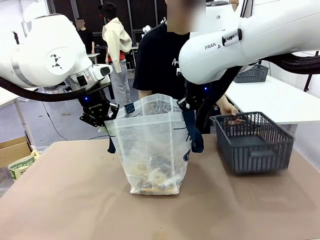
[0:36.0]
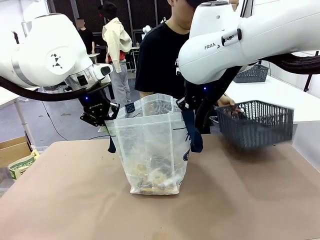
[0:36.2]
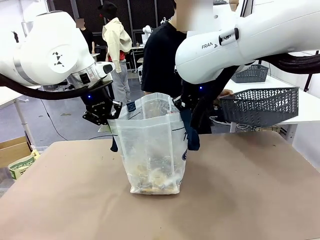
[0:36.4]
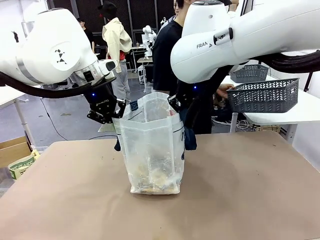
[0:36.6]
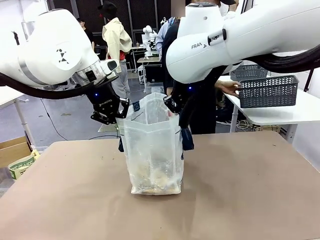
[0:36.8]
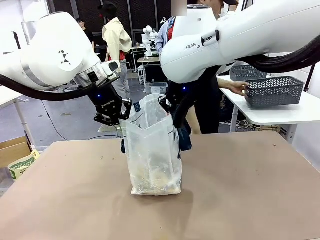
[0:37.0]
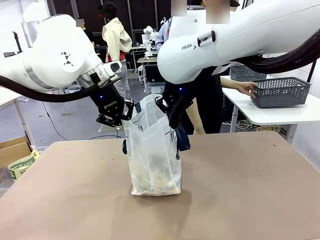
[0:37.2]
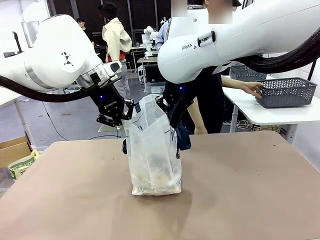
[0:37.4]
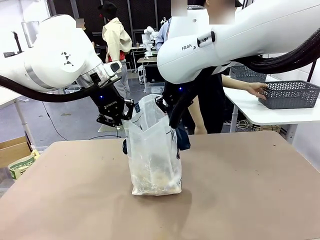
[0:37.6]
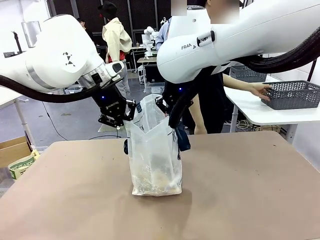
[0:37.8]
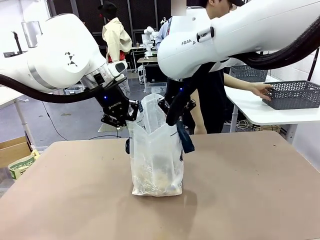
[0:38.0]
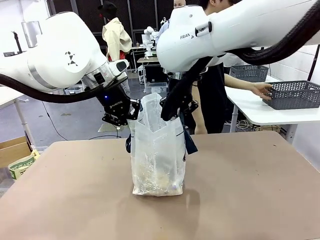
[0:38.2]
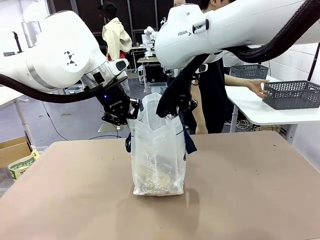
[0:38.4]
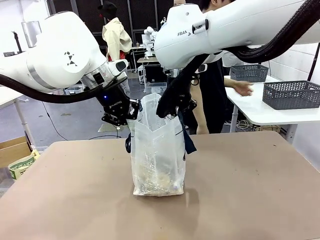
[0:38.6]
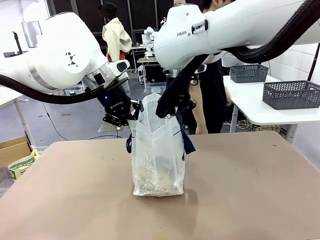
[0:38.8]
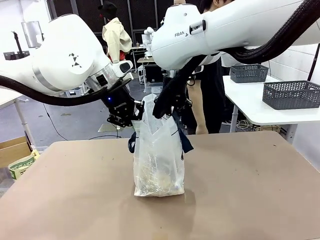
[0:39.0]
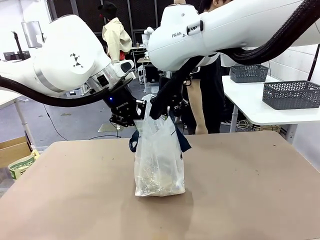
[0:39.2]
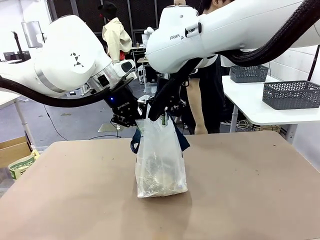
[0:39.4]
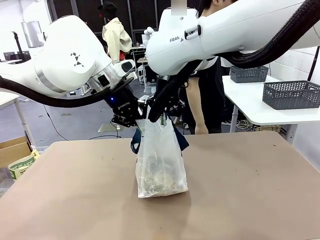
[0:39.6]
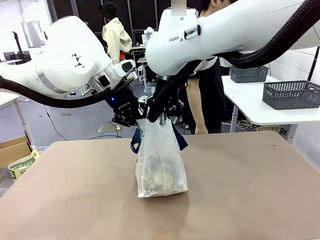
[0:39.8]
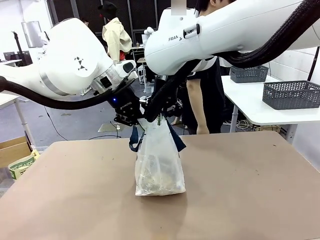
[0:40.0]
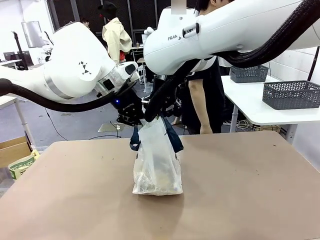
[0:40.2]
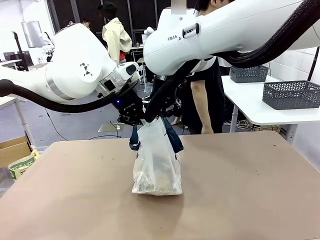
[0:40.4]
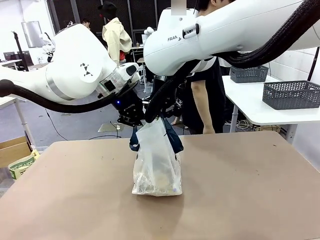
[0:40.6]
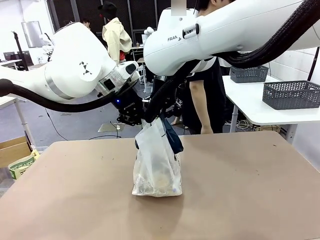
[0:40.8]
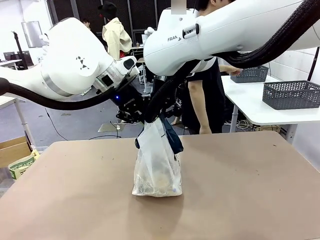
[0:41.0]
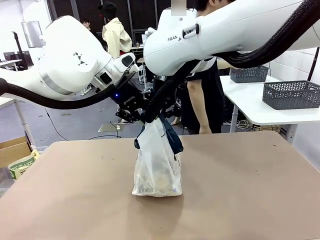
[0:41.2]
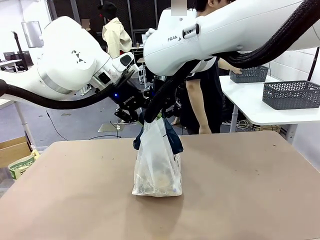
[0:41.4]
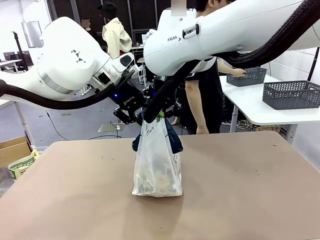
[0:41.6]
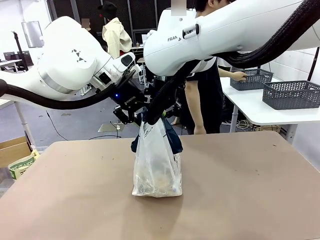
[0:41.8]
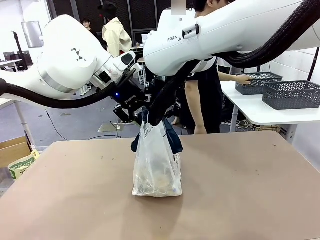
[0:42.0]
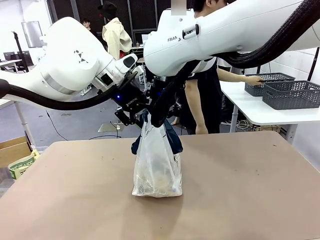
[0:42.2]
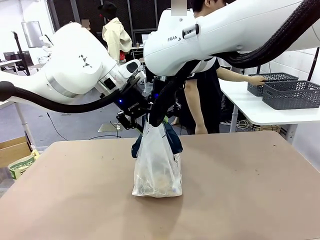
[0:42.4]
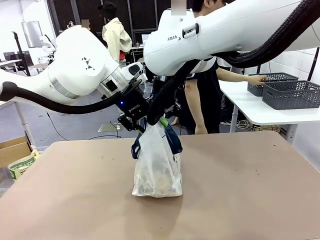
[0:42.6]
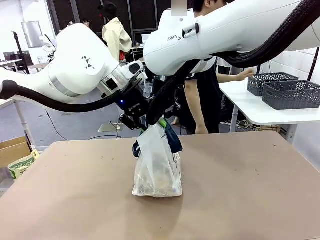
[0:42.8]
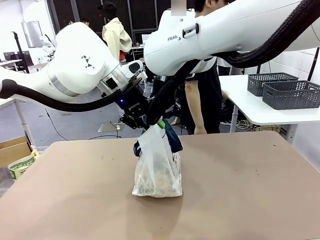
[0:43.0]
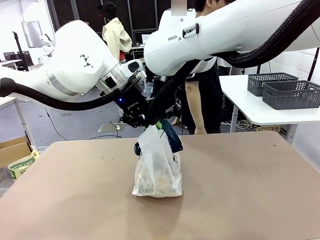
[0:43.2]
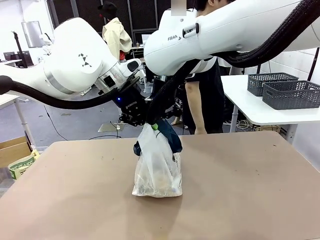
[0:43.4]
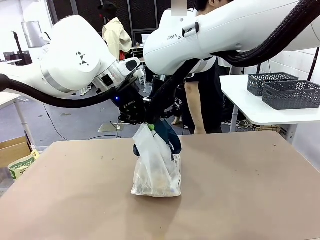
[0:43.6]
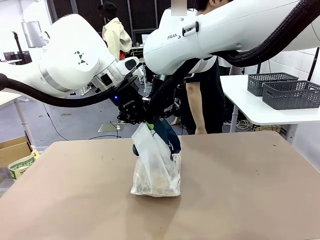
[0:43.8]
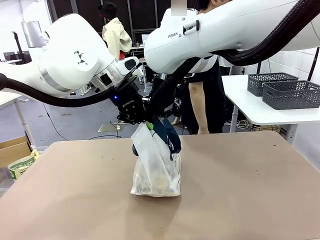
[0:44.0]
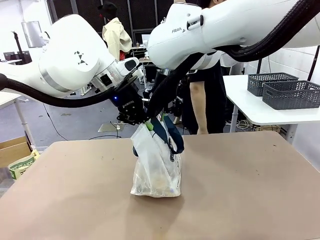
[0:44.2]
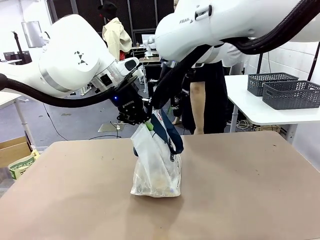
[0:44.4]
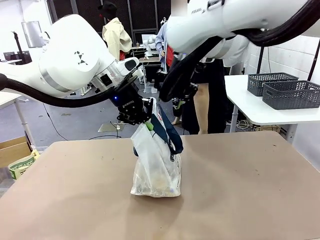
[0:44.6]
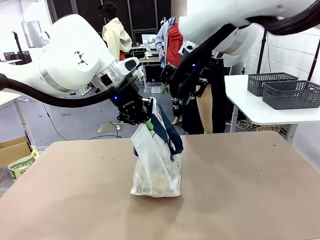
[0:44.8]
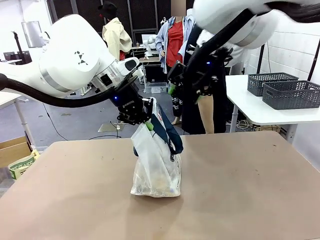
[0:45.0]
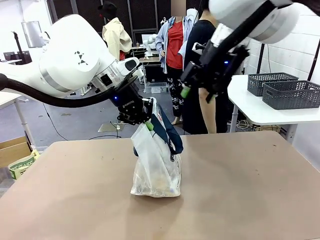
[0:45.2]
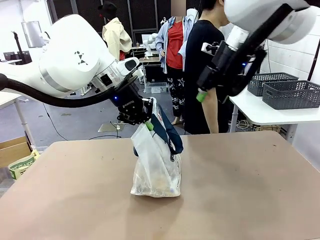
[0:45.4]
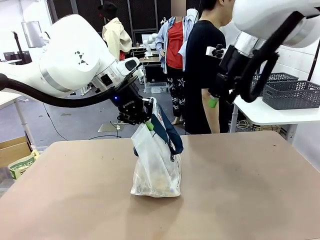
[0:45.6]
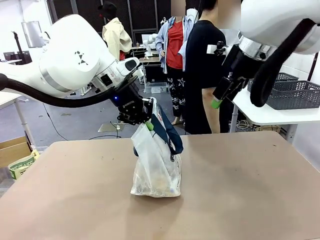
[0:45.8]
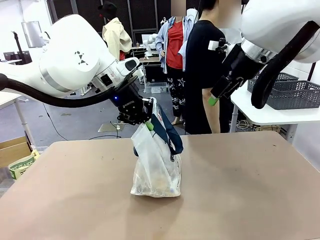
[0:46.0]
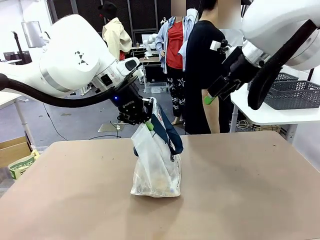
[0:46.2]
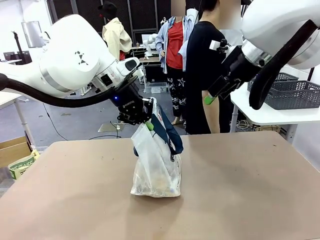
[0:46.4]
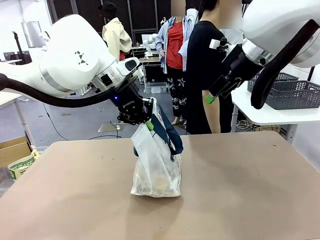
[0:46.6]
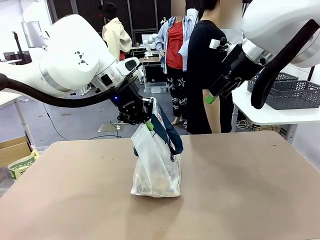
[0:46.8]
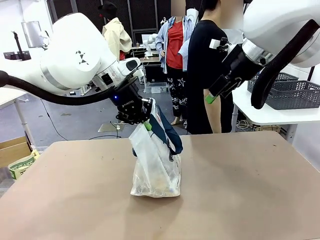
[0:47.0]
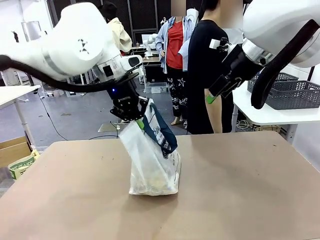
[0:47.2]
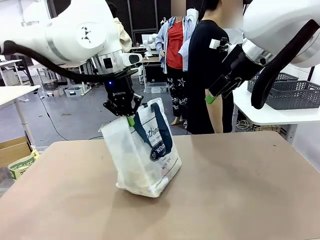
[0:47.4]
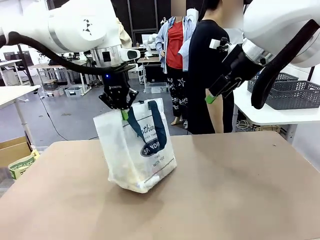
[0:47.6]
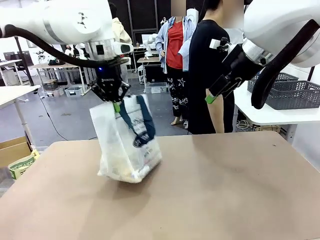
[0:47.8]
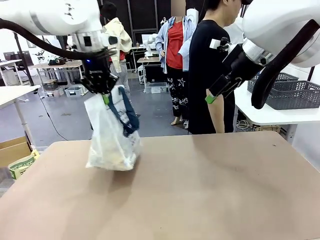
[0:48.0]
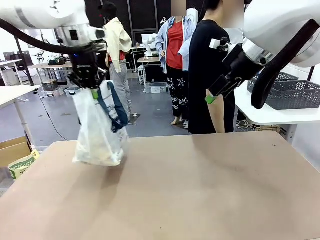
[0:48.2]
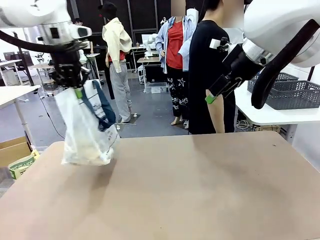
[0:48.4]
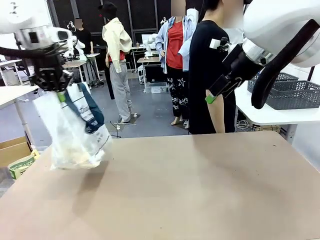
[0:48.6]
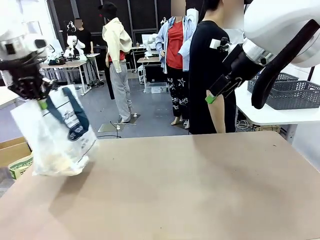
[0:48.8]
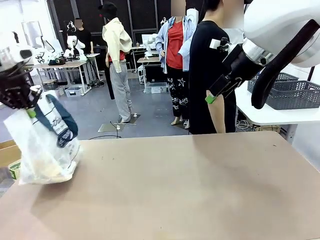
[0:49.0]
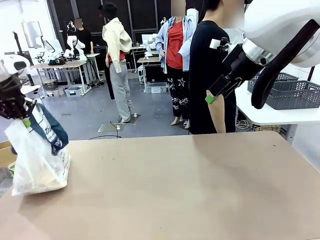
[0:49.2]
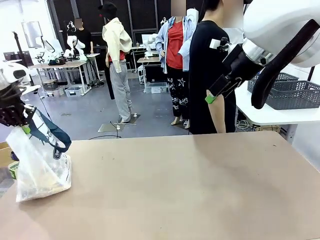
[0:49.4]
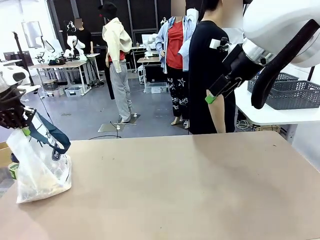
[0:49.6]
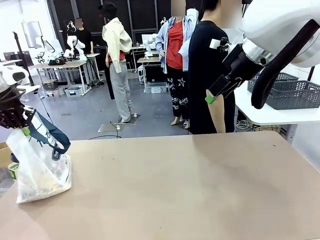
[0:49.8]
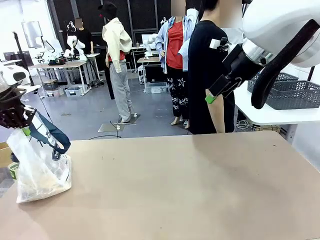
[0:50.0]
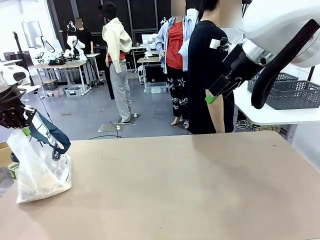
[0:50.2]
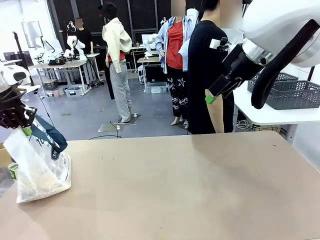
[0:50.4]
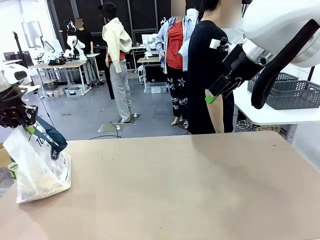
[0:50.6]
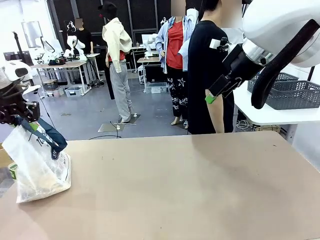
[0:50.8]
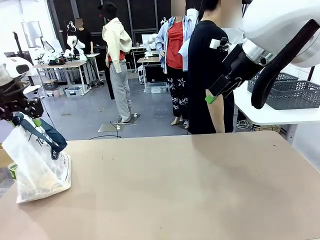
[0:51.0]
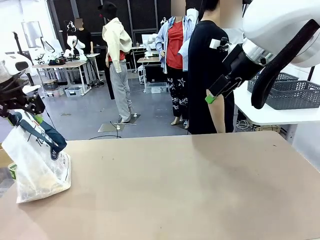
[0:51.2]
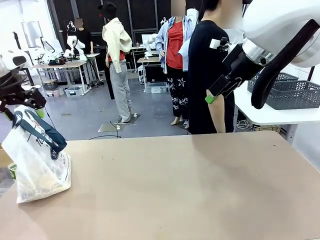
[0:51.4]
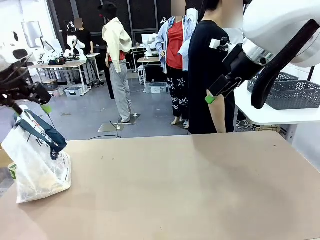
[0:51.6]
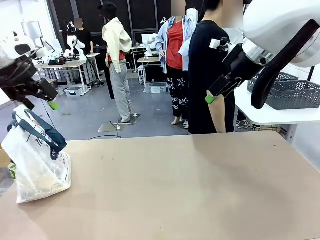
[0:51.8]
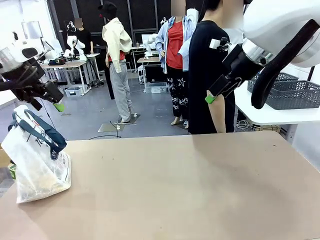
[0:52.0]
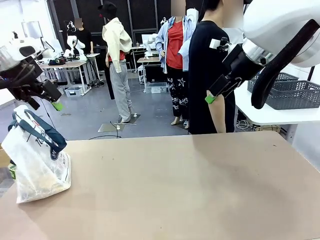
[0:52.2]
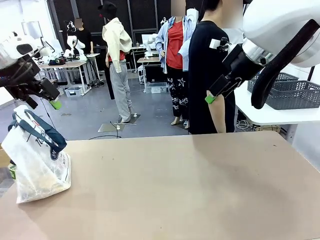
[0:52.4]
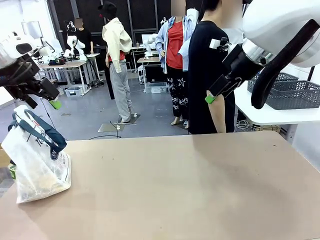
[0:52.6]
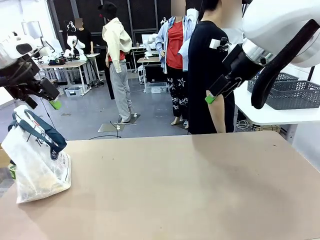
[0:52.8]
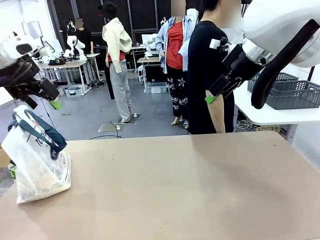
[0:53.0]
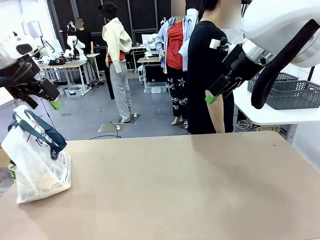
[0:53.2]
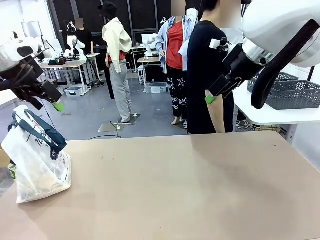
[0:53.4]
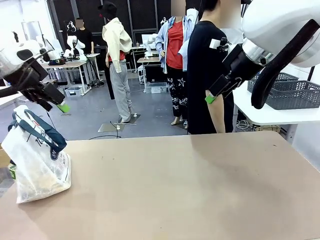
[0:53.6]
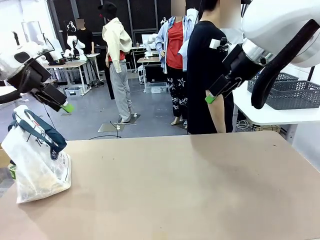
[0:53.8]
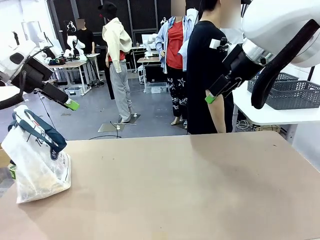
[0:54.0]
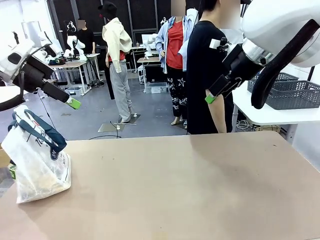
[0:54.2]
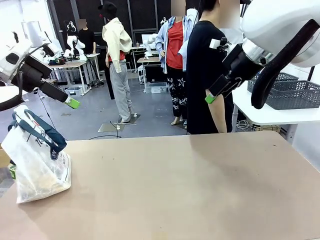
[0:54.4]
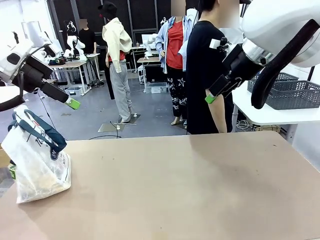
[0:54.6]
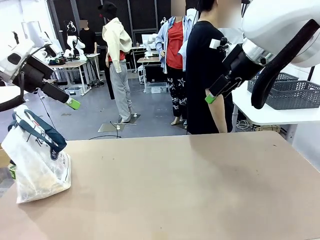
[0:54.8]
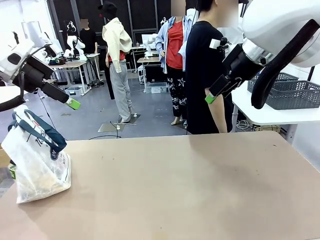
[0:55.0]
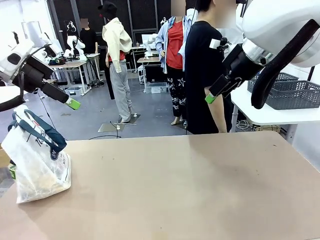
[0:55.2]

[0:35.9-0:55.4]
Task: Transfer purchased items from the store into the shopping bag.
Robot: Move the Reusable shopping bag to the right side of the table.
Person: Pick up the basket with the items out and place it on the right side of the human table. Move the basket on the left to the middle of the person's table.
